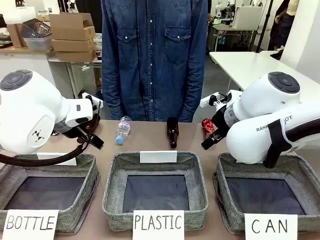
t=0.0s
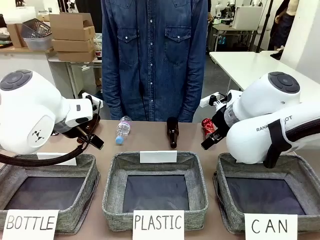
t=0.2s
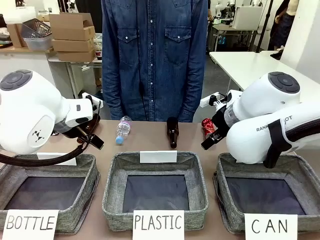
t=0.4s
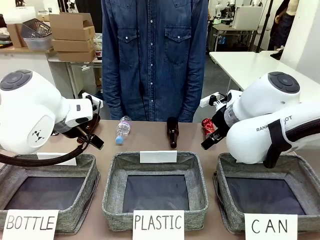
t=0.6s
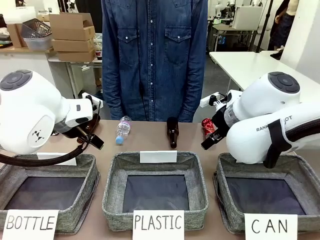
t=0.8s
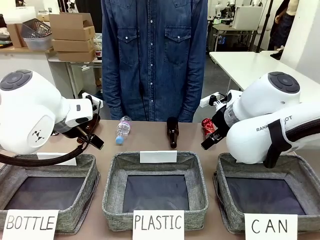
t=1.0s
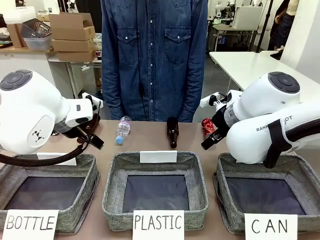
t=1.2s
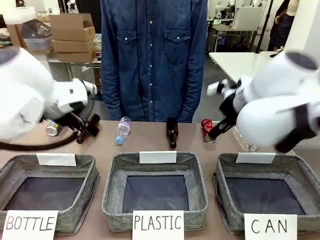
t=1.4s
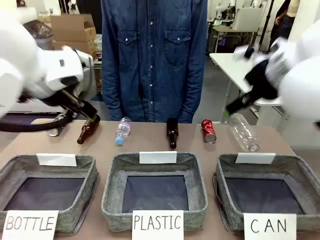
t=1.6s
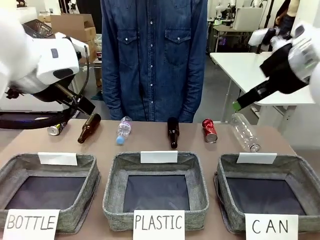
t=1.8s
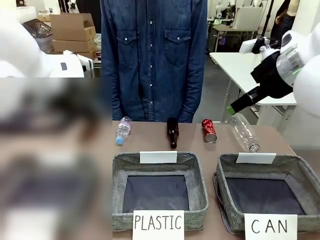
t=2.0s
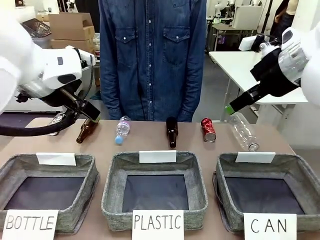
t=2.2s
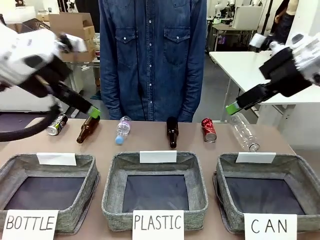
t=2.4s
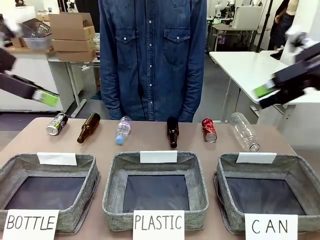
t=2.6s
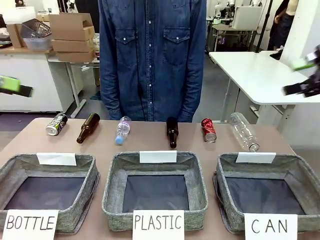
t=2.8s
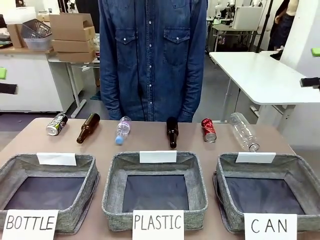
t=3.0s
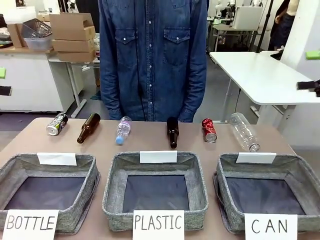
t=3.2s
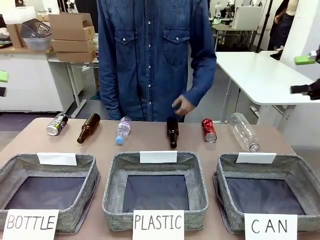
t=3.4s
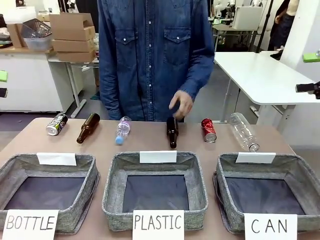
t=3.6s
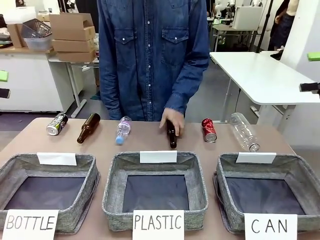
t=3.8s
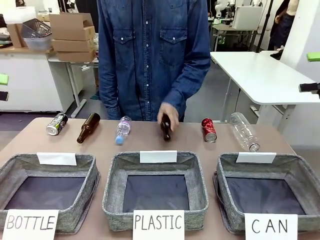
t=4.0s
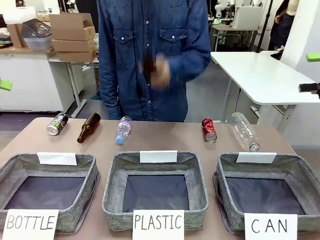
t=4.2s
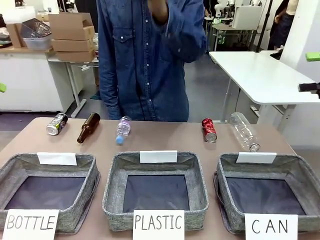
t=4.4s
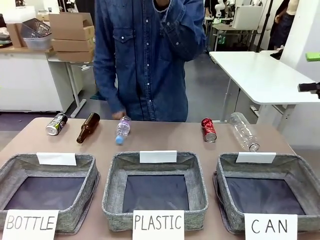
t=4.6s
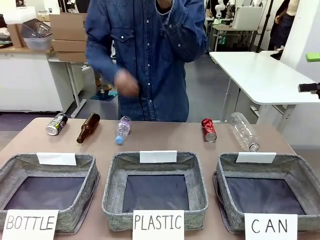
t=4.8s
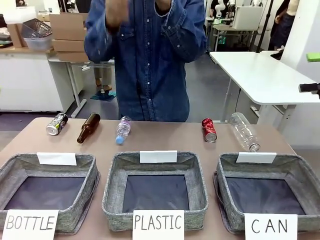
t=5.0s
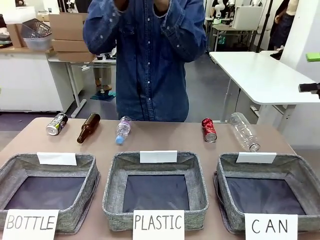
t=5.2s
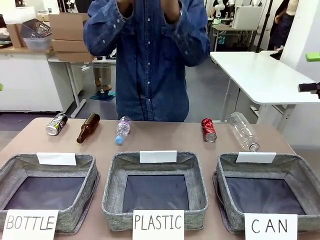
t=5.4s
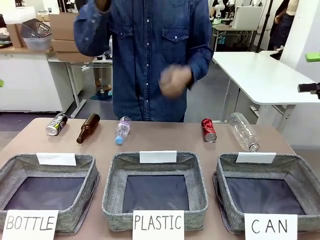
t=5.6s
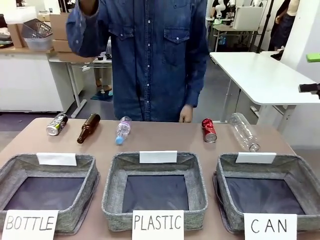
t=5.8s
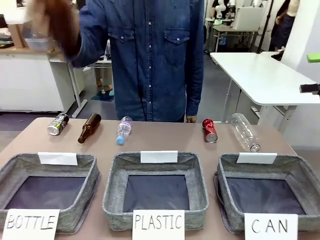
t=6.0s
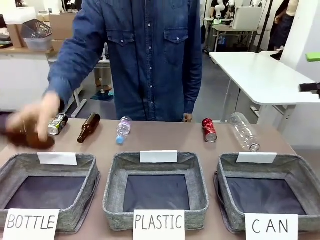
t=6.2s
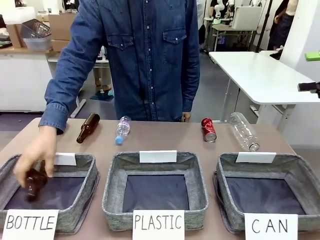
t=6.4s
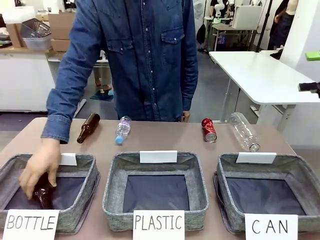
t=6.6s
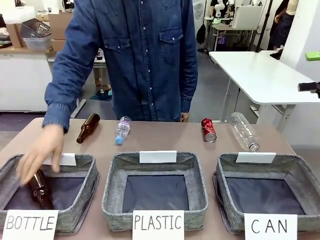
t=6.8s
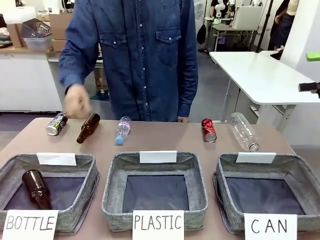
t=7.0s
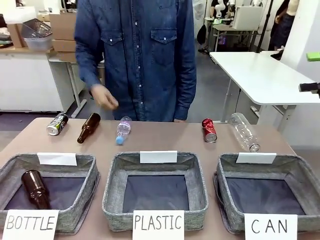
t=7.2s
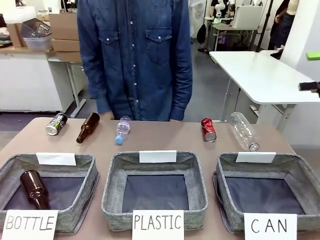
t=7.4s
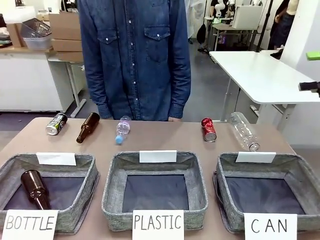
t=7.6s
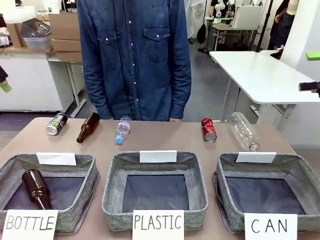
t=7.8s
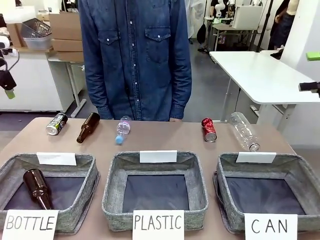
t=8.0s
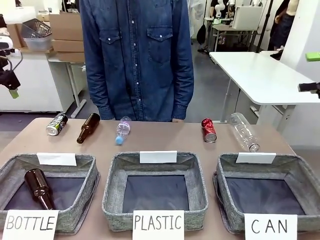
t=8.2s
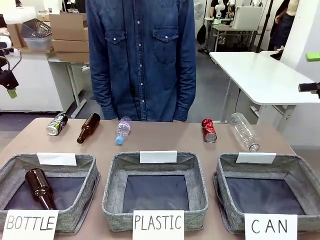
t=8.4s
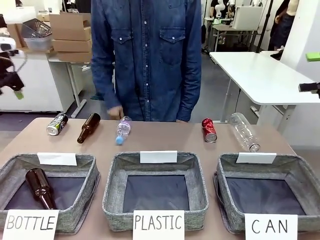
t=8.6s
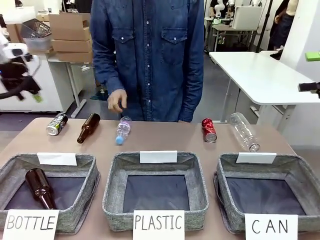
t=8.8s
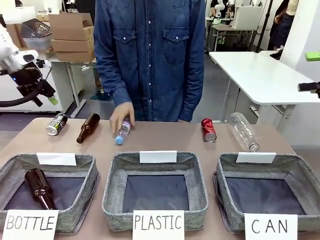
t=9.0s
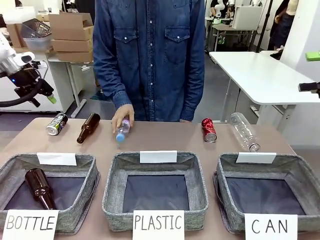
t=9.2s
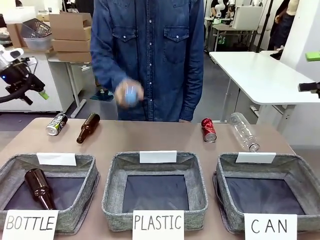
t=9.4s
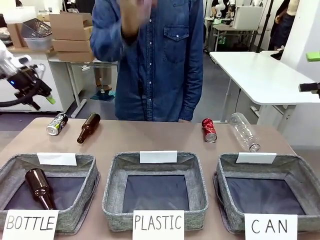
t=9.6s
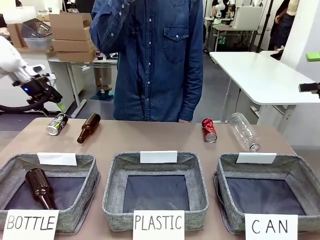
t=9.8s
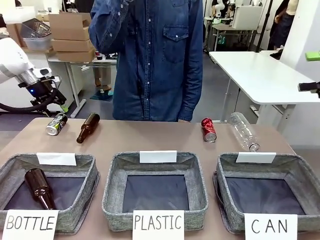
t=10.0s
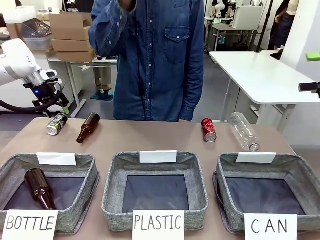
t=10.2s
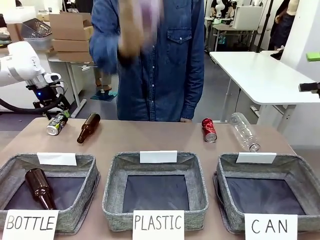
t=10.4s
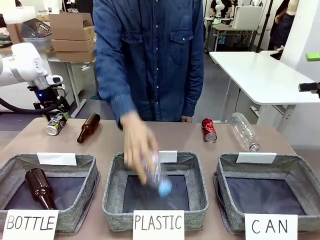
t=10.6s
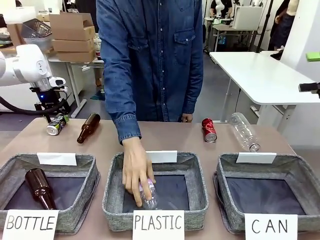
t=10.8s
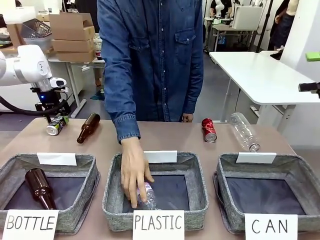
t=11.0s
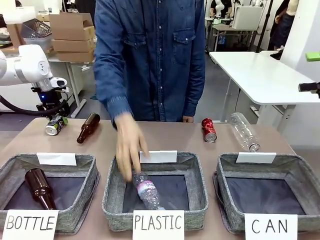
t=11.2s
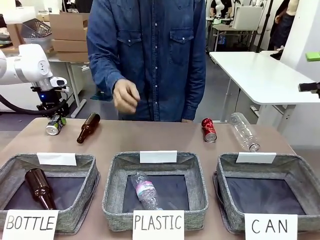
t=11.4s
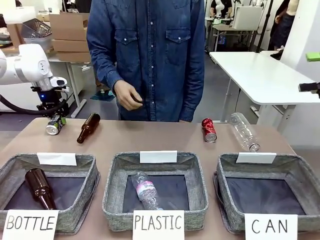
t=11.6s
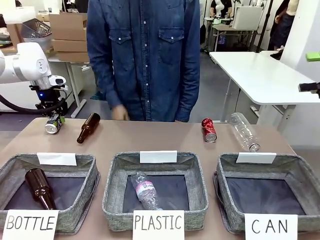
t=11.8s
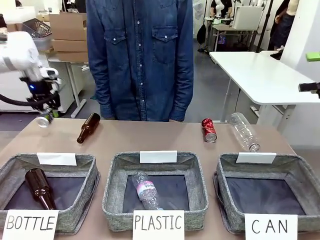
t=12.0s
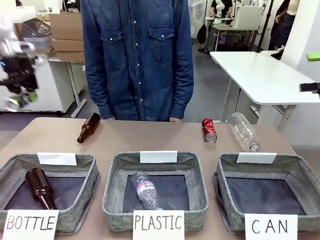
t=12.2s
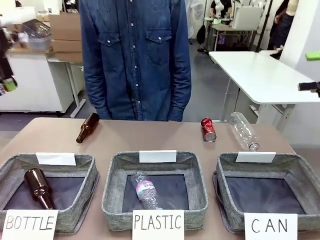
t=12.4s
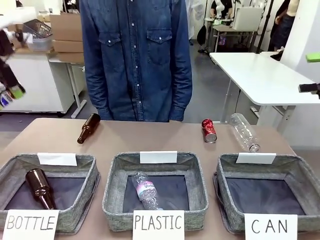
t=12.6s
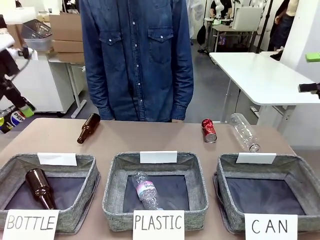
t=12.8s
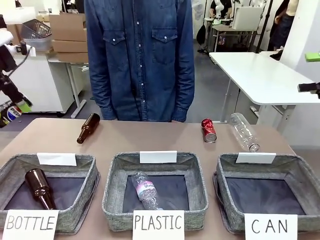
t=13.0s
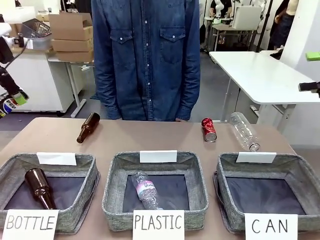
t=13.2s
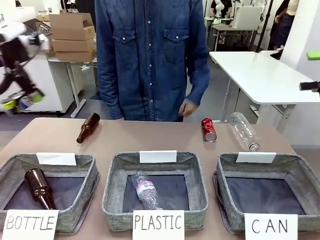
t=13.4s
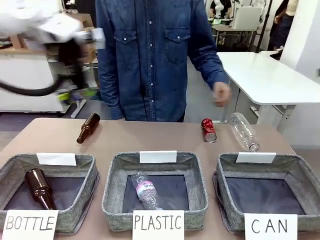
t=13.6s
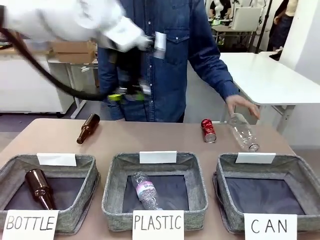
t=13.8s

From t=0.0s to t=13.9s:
Task: Sort the can waste into the basket.
Robot: Pick up the can waste from the table and place it in the right Fabric basket.
